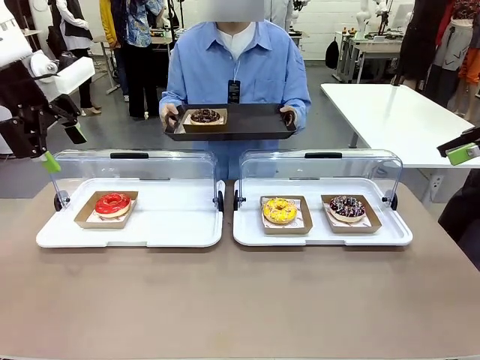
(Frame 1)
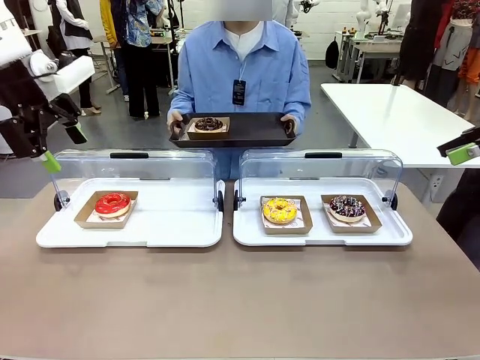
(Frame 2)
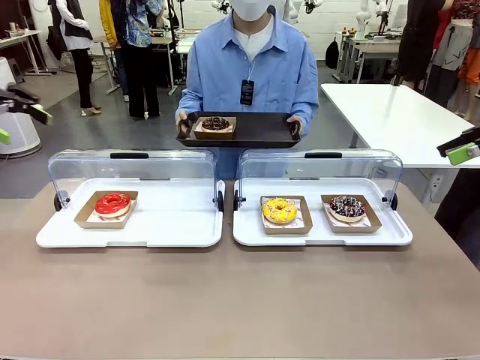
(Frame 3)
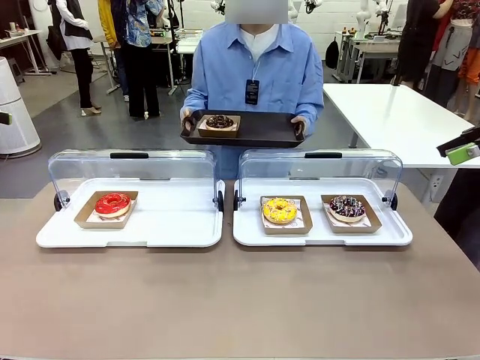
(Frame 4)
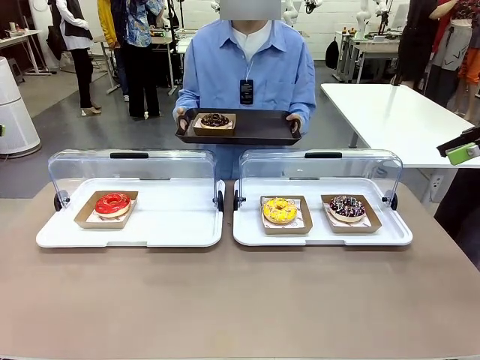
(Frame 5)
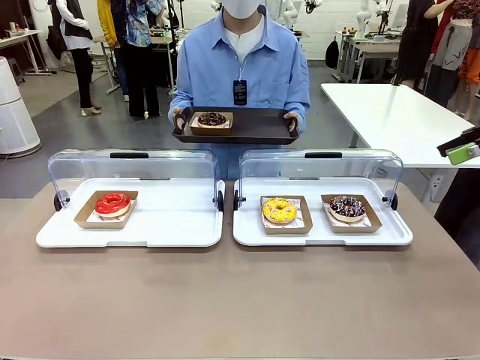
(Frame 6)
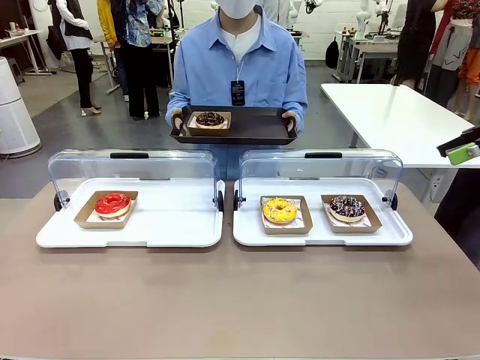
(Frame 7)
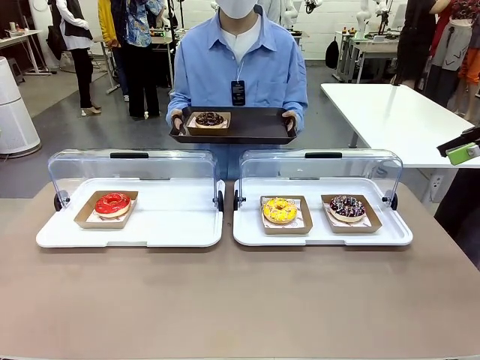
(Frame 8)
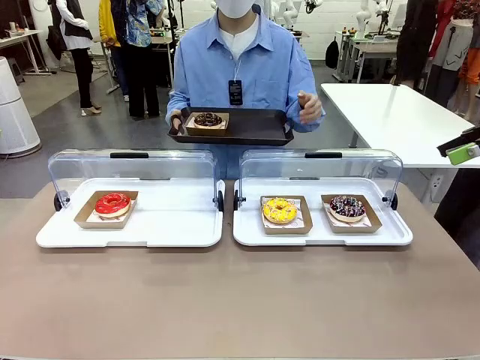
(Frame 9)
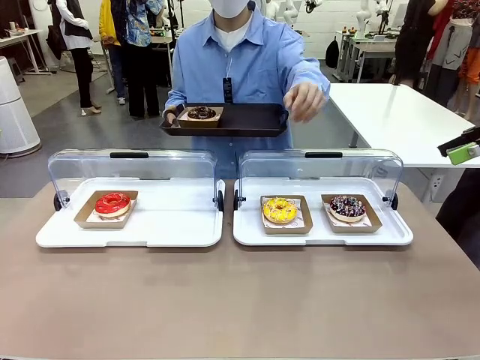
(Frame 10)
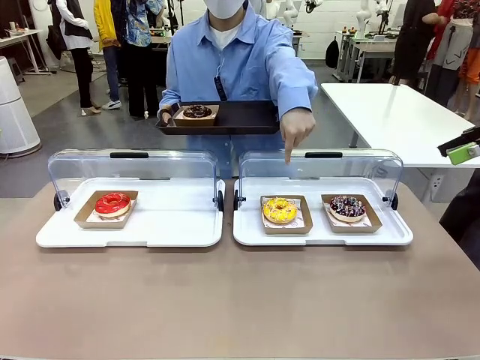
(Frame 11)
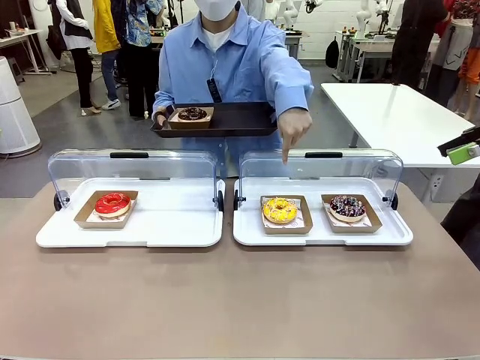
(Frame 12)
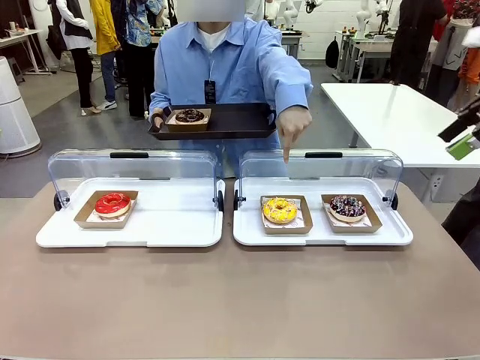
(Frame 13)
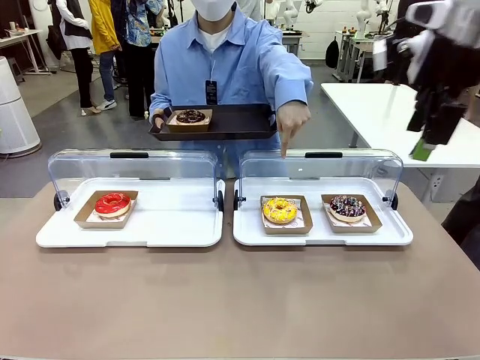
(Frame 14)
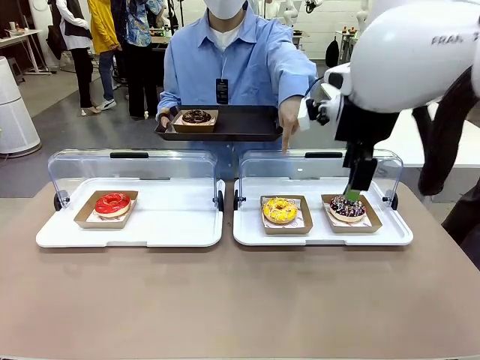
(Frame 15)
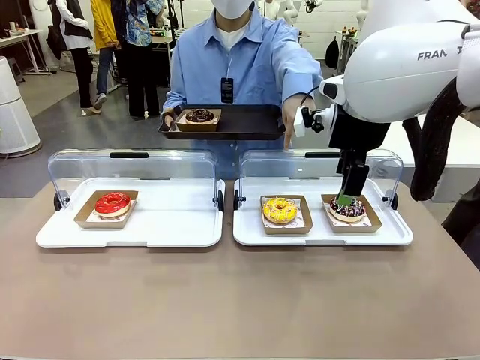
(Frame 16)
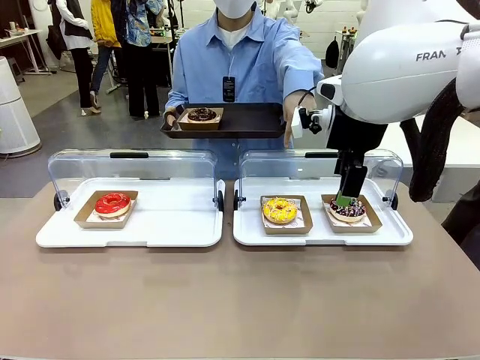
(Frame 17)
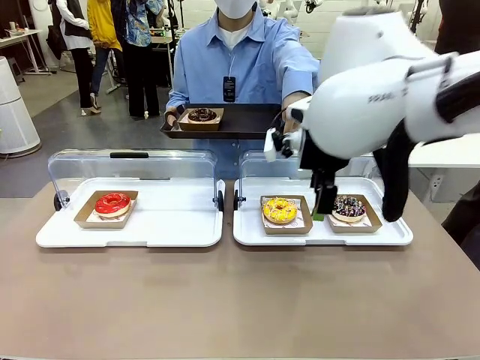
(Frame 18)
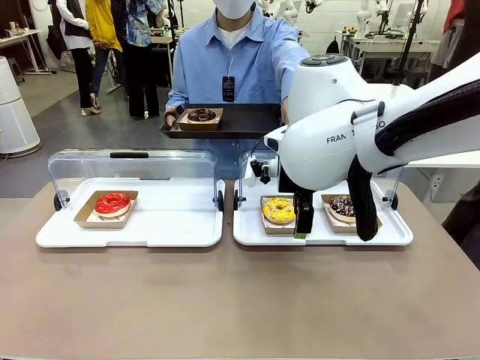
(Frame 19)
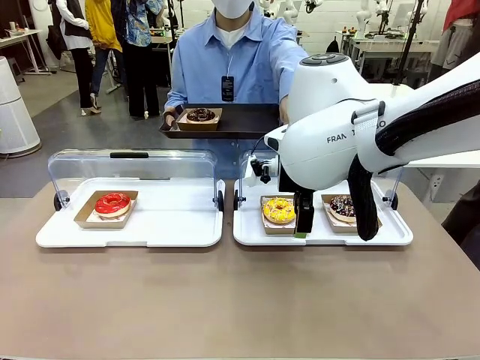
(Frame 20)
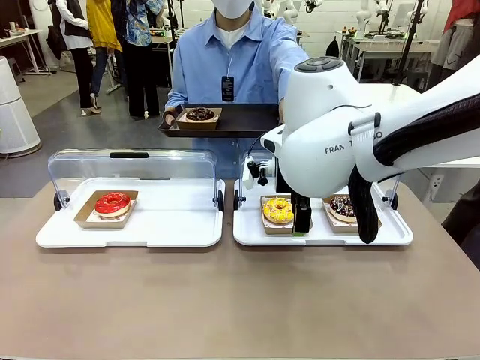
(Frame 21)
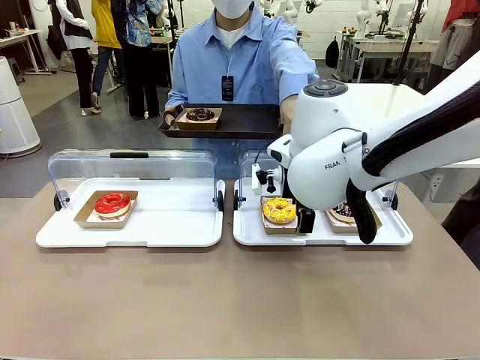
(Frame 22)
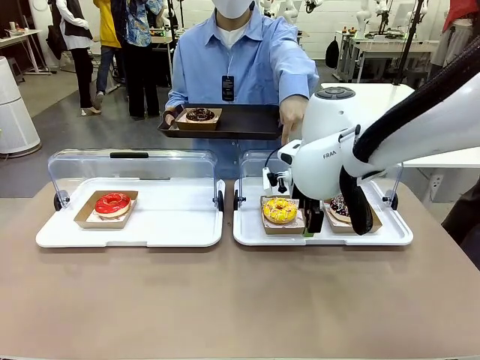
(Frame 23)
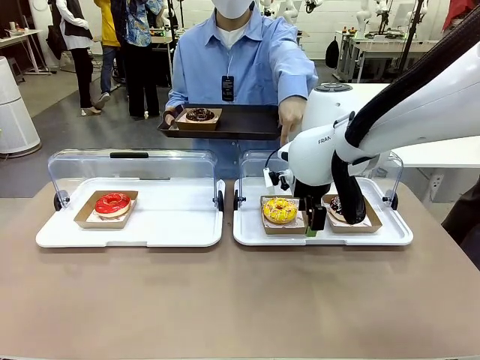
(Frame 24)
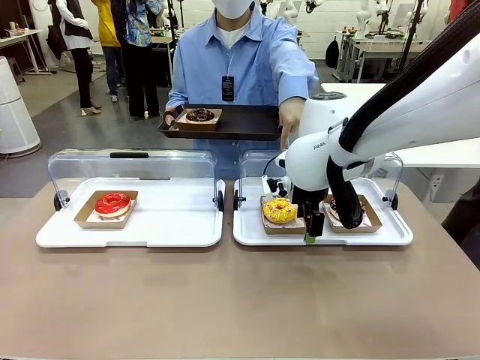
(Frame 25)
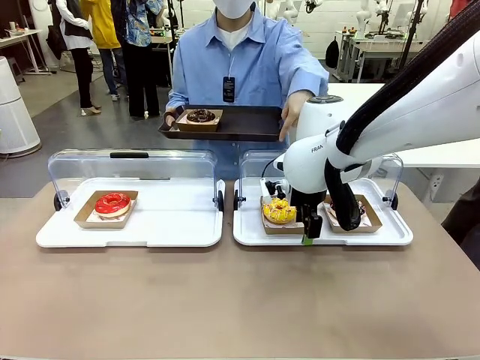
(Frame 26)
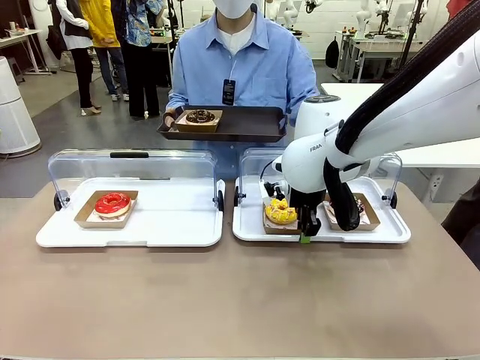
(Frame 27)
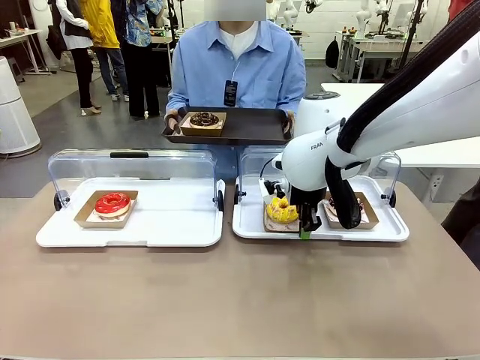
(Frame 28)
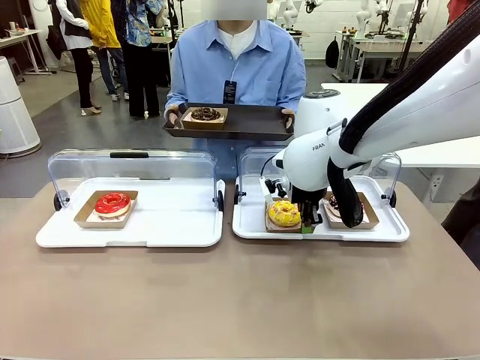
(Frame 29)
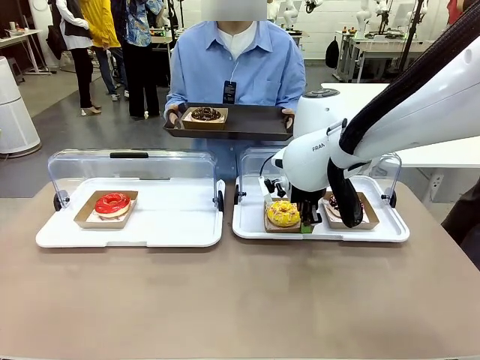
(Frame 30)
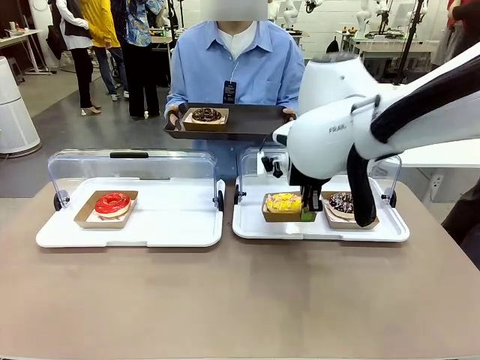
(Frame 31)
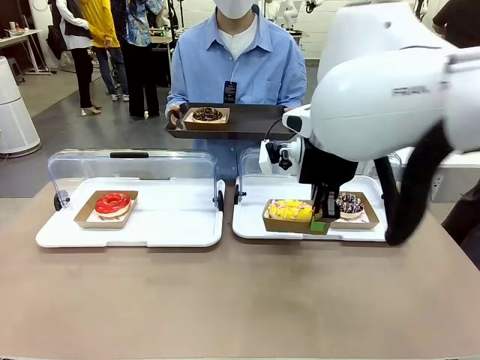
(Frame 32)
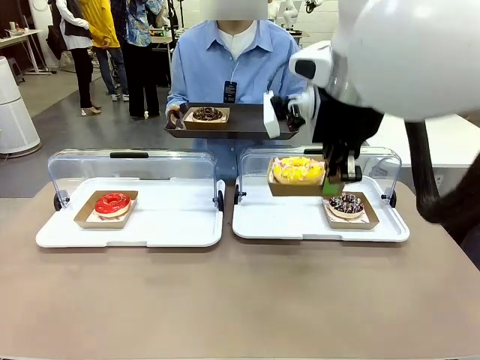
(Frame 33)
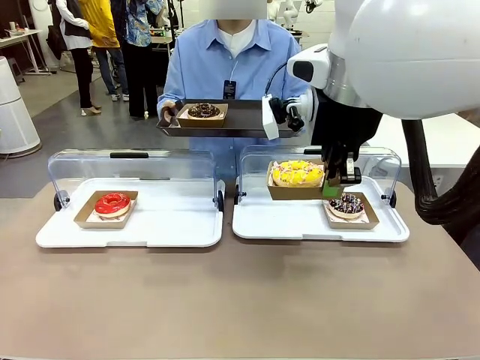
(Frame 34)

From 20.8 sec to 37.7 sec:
Task: Provide the desired donut to the person.
Robot: Pick up and lift the Paper togo box containing the Donut pointed at by the person.
Person: Point to one donut. Lift the tray onto the Roll-Top Bakery Case.

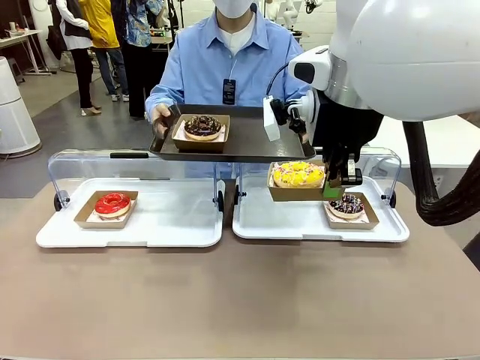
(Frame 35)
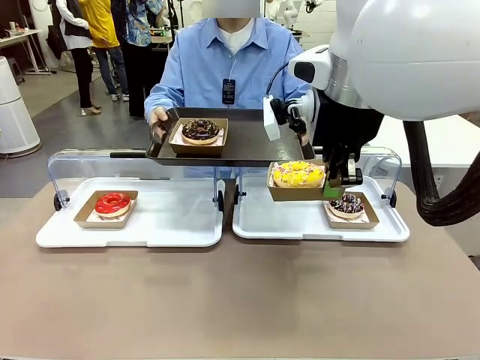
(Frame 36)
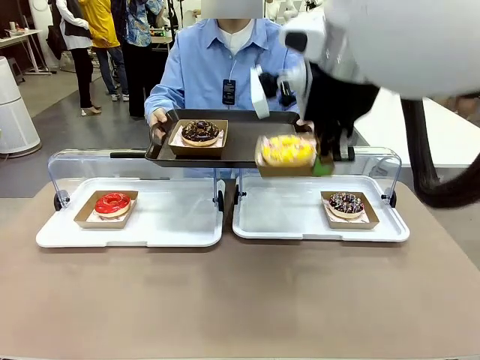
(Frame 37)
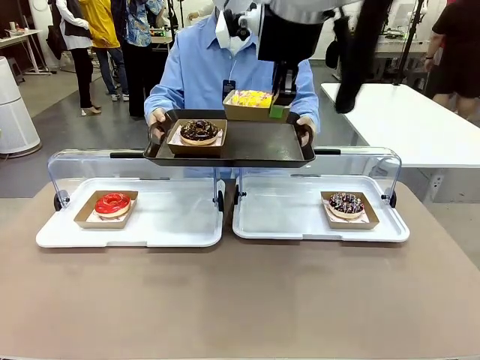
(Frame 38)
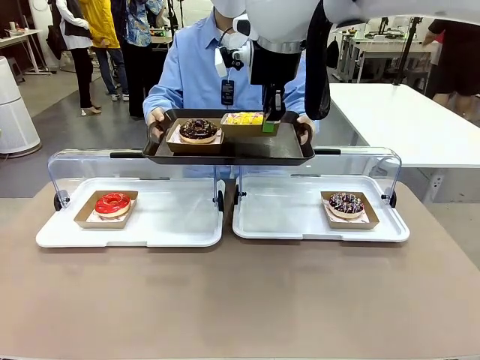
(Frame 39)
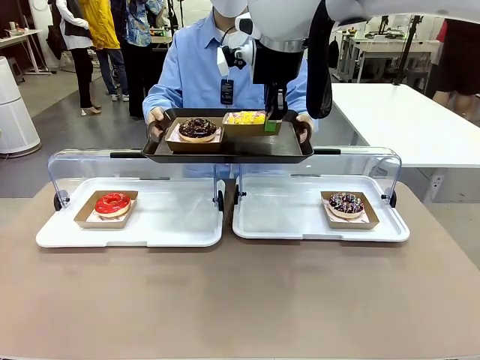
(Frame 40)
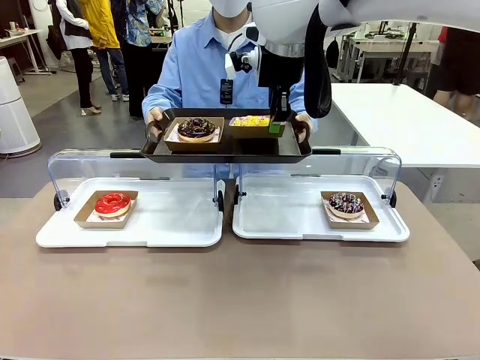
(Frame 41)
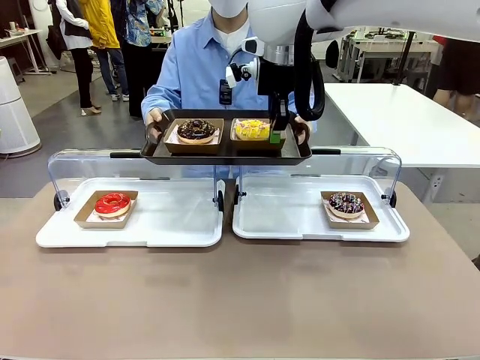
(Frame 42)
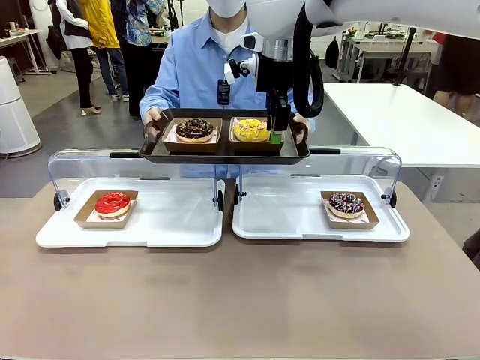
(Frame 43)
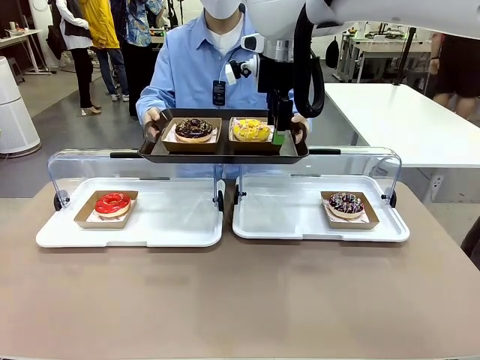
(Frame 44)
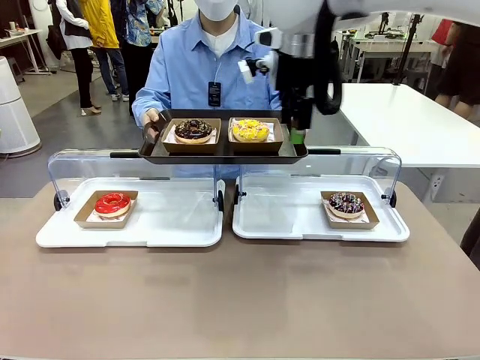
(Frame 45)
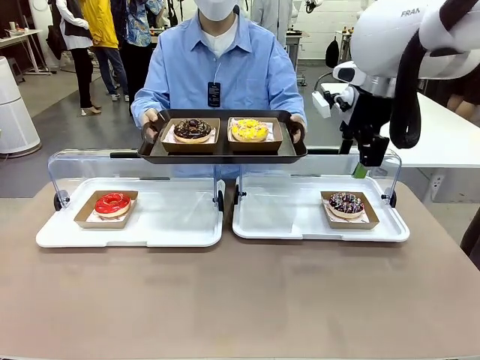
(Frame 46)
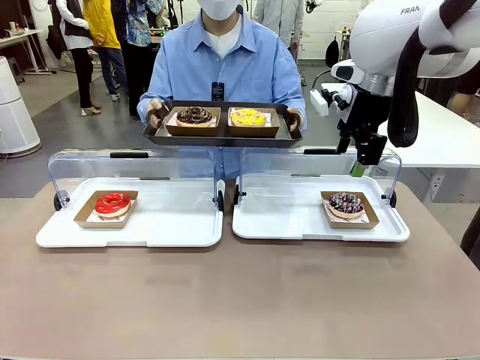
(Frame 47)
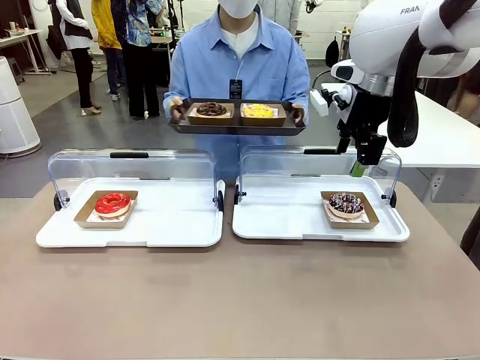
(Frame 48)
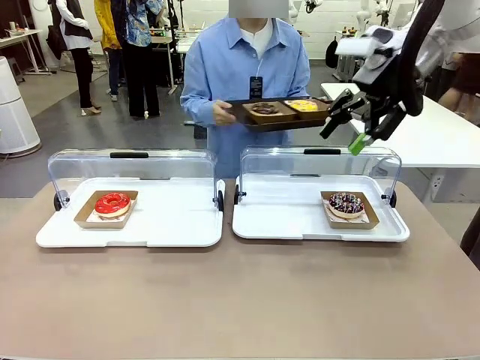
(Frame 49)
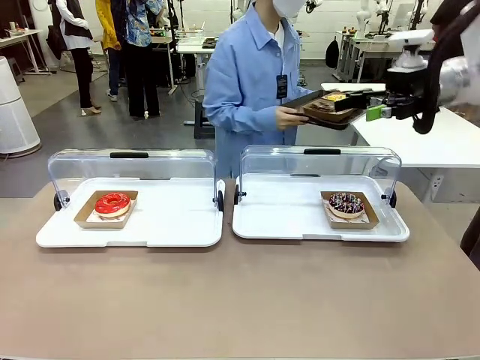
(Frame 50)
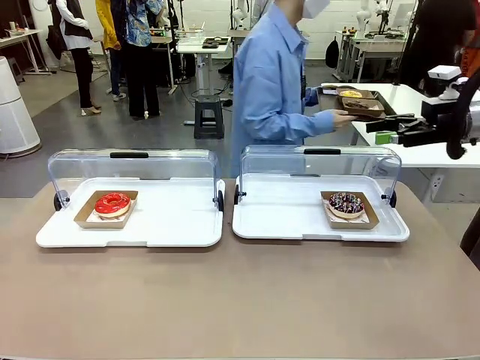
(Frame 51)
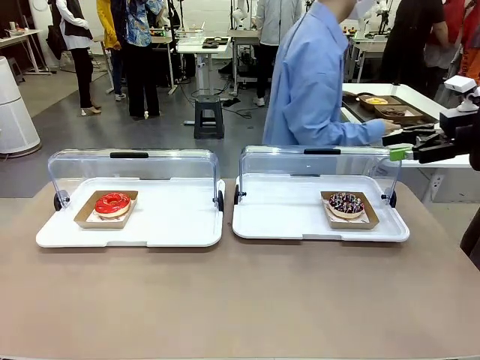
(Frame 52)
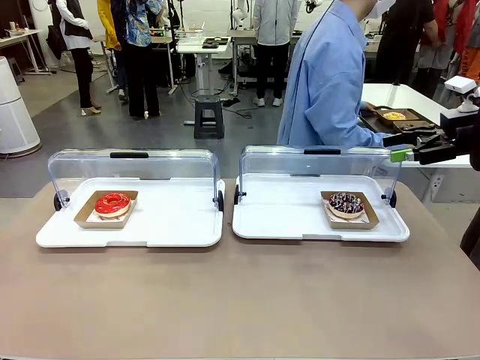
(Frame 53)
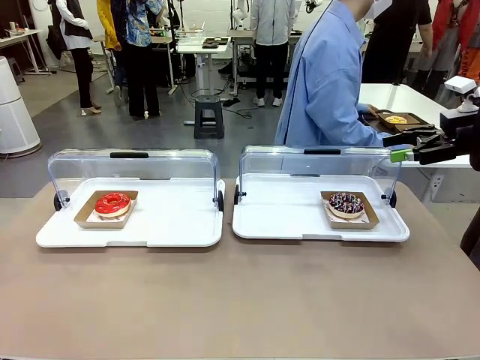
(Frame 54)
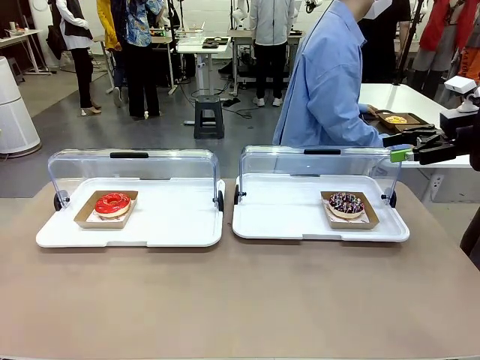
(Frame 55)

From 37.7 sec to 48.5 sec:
Robot: Place the picked Paper togo box onto the Handle tray extended by the person.
Person: Place the tray in the middle of the human table.
